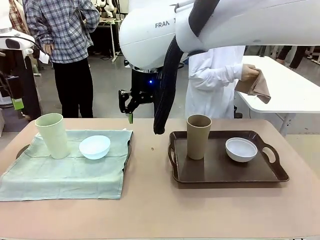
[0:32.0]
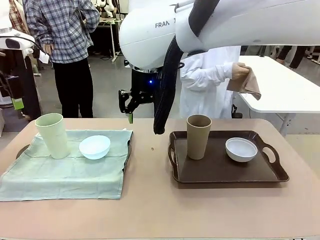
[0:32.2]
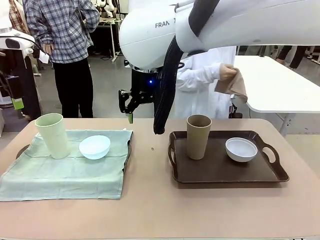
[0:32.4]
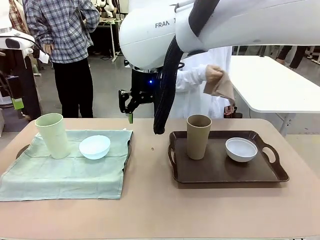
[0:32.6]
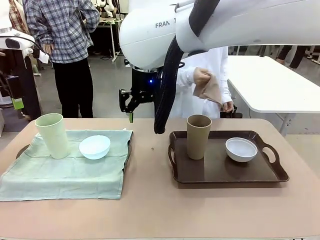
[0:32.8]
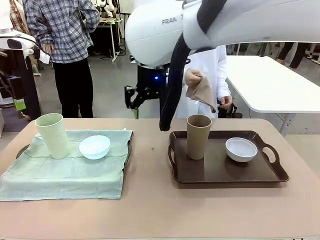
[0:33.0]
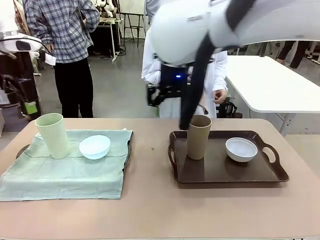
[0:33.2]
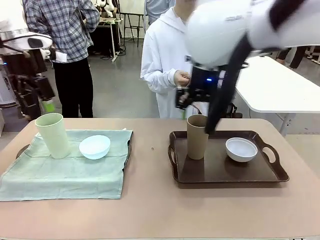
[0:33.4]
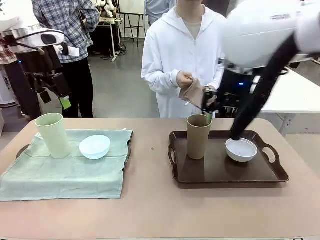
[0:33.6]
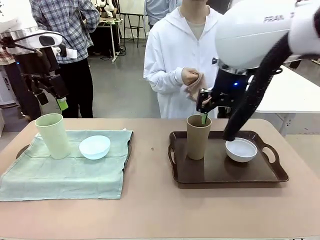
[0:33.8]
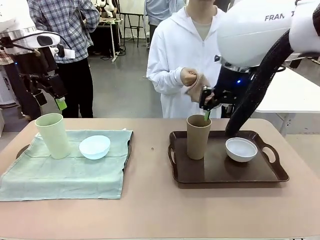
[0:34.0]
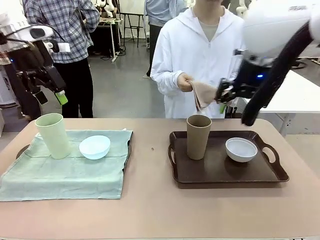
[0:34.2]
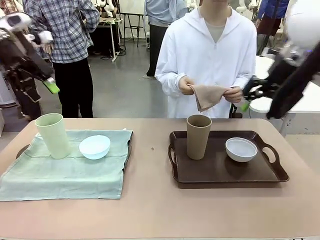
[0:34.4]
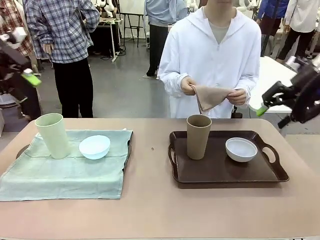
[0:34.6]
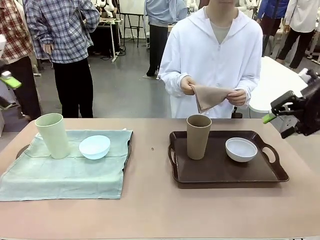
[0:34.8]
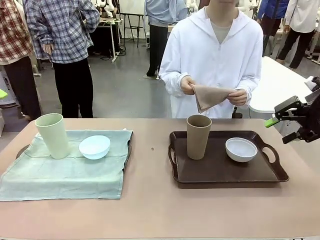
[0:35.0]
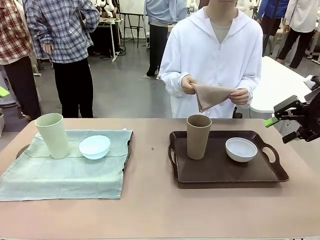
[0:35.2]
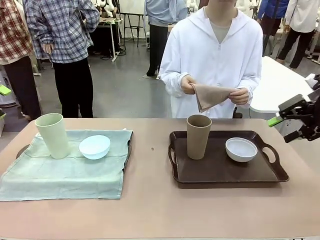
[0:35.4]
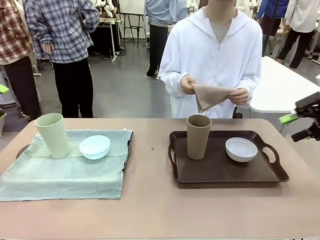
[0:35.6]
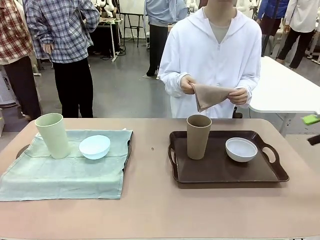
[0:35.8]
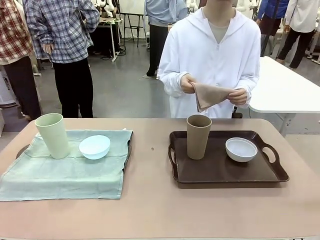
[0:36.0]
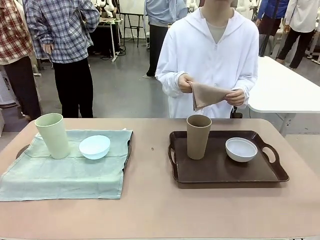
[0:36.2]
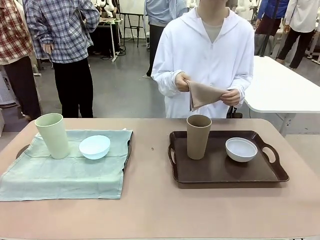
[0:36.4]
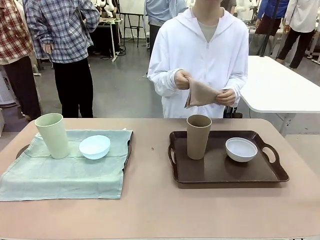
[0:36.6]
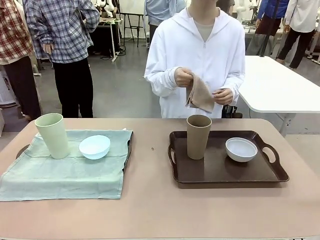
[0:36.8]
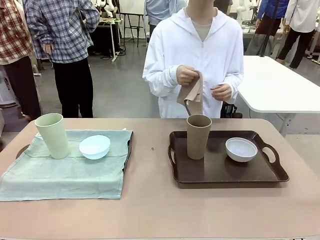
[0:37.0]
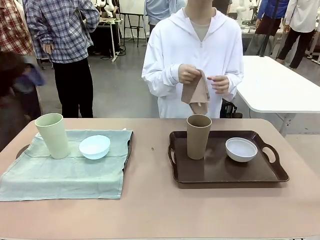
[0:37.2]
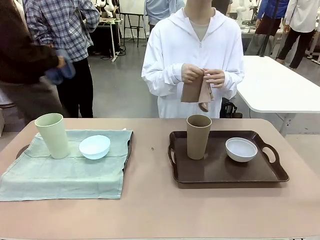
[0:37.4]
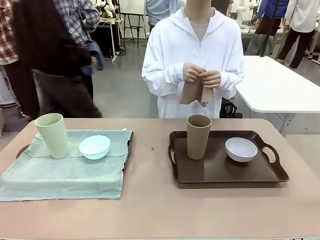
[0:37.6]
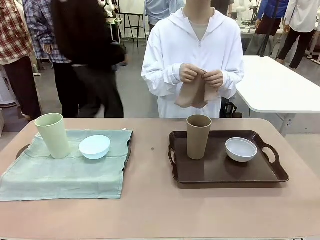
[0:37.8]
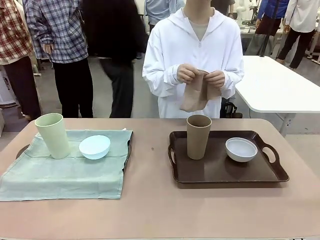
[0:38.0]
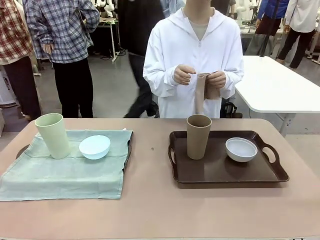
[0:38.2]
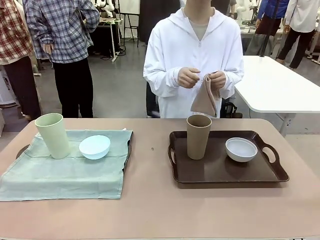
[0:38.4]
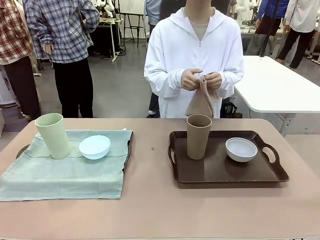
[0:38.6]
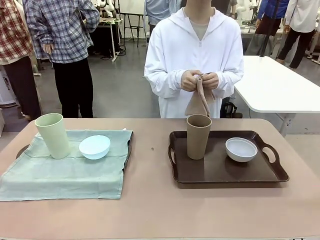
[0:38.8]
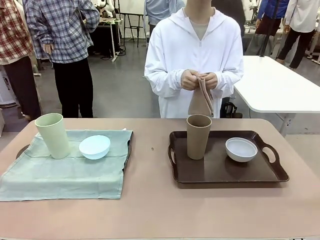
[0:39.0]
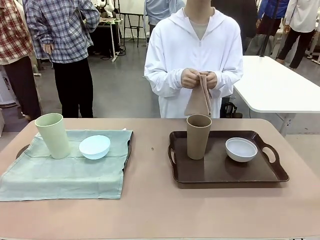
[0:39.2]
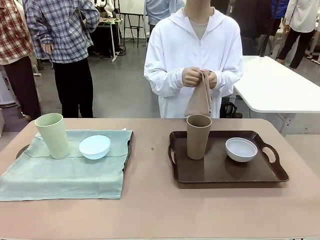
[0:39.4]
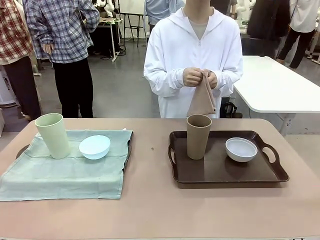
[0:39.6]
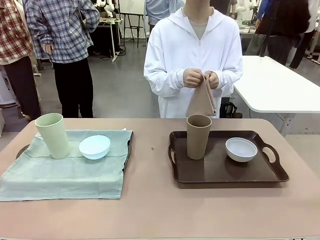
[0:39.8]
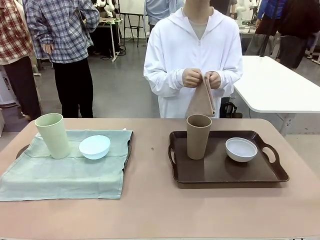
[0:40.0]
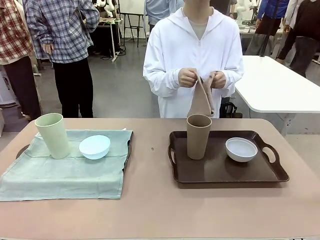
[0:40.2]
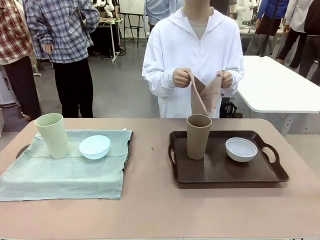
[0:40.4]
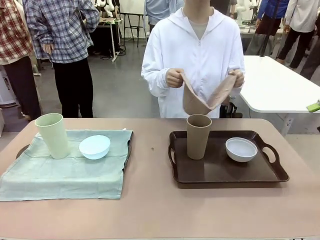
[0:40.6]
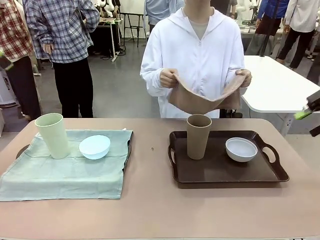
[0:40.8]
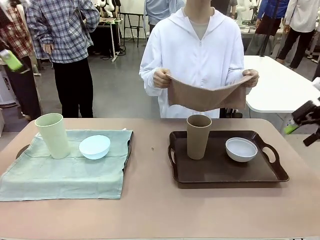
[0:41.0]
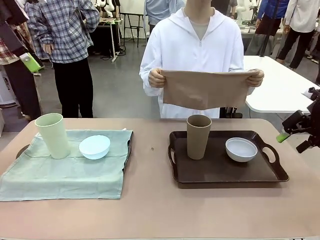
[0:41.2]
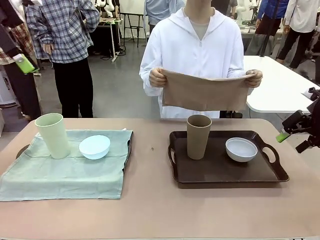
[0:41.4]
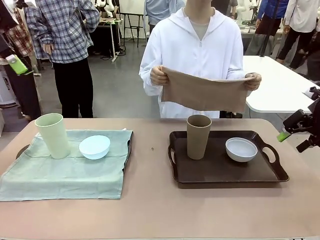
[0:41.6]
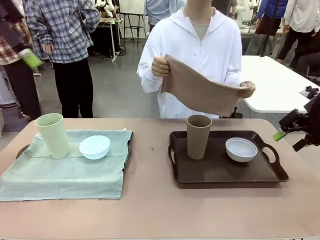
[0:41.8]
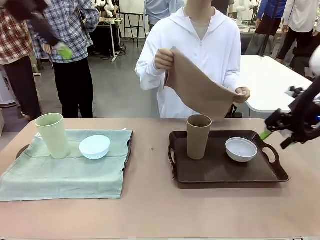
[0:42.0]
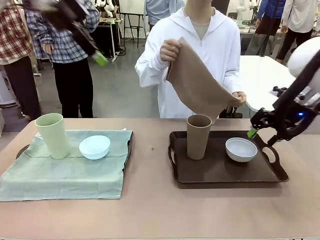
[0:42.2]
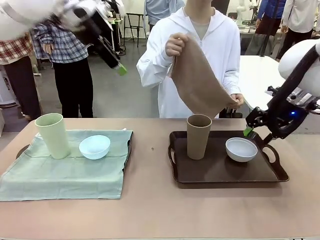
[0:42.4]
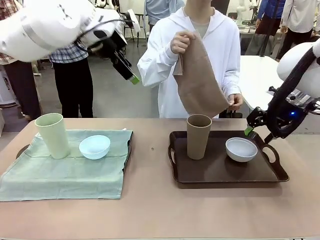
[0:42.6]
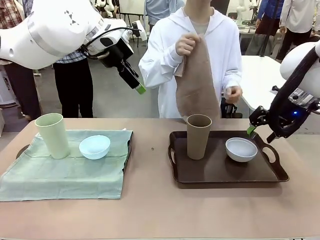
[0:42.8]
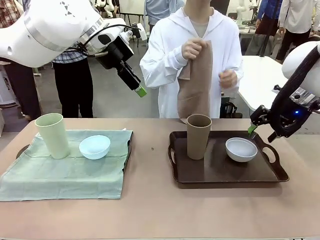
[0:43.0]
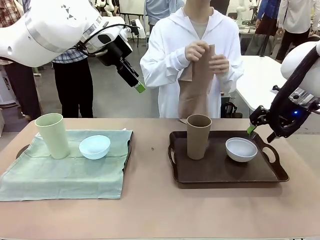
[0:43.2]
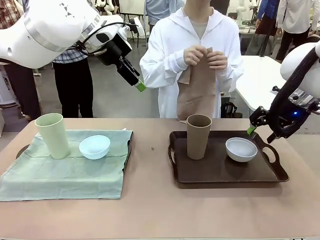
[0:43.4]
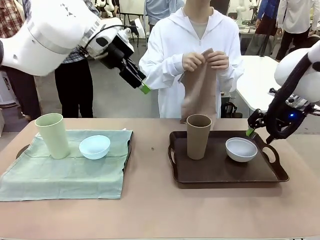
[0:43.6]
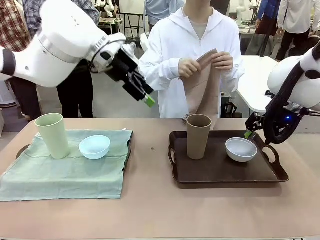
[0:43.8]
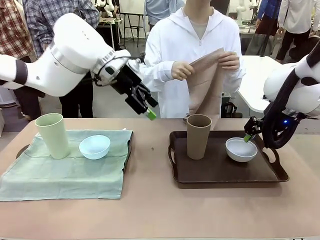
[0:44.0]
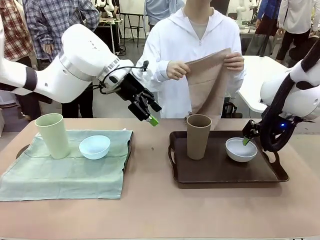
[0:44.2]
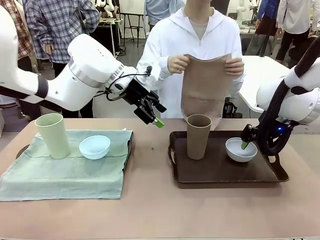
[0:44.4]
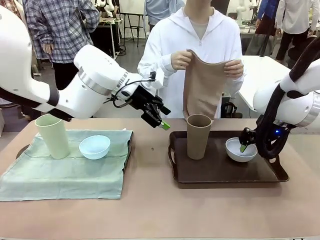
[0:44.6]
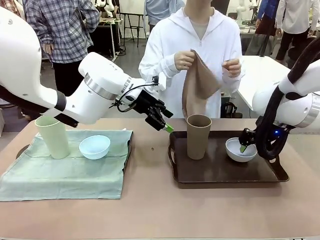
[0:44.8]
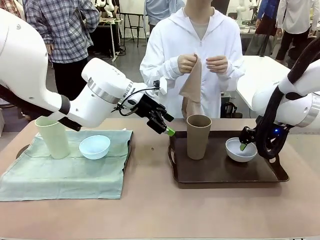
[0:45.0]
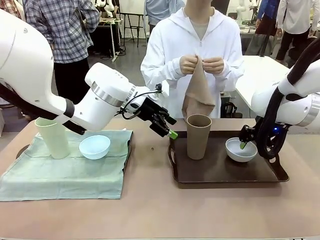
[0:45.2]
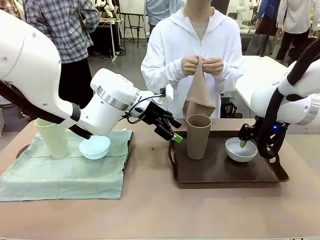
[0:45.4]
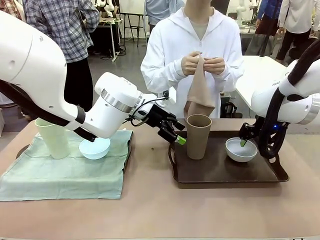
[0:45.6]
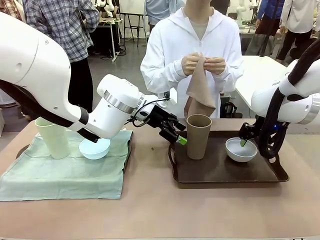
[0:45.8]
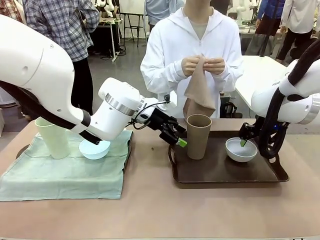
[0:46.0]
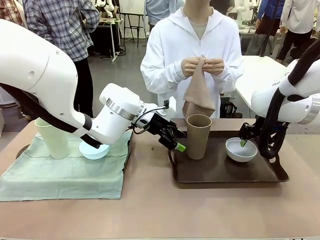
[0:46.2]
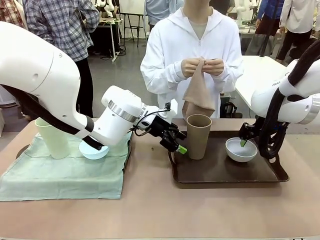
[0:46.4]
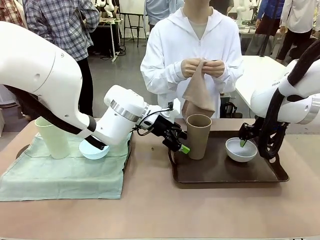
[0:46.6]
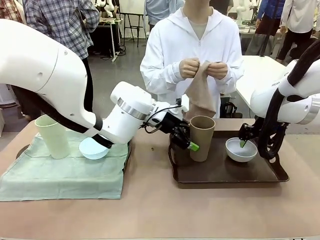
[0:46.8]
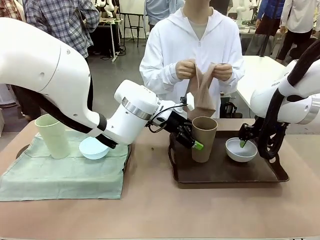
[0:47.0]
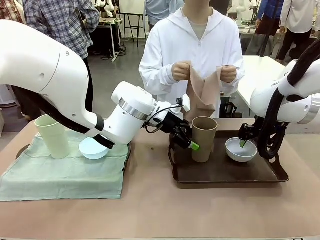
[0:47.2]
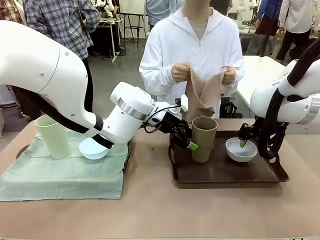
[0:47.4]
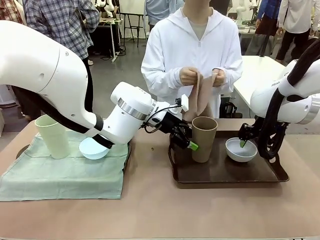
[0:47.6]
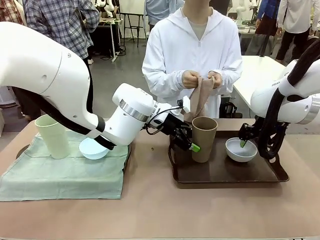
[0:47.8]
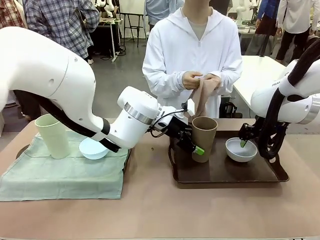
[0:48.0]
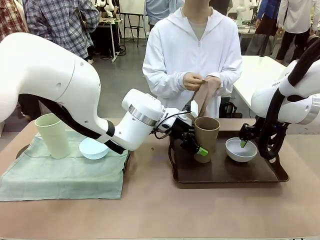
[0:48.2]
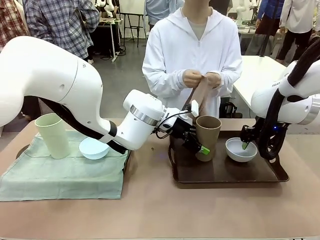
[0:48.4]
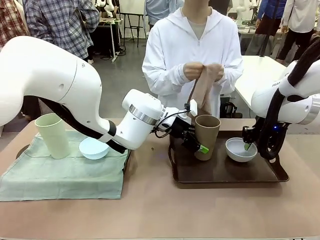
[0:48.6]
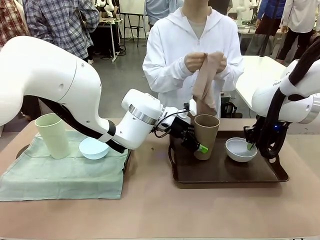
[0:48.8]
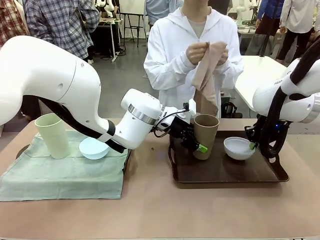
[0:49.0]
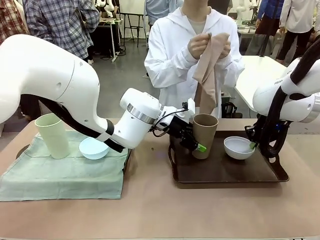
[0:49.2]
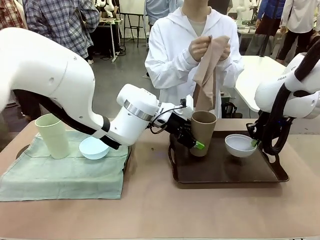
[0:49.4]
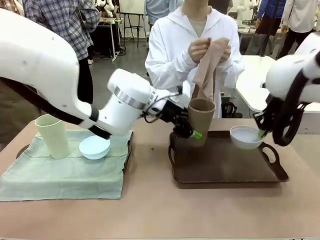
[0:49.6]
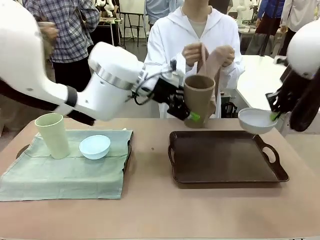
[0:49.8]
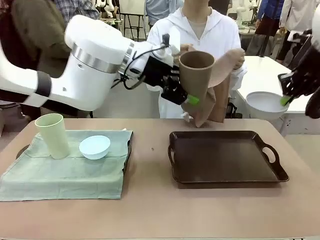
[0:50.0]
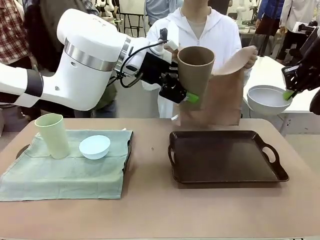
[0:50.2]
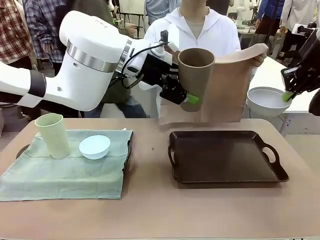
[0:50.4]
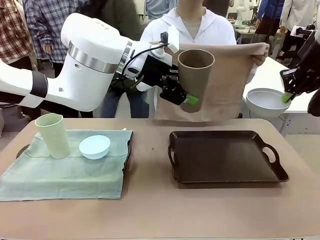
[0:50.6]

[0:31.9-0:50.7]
Robot: Pick up the Picnic Bowl and Reusable plastic cup from the Handle tray in front of the human's position and hold them in the air.
Person: When the robot lifts the bowl and the cup, the human unfolds the napkin and lays the napkin flat on the tray.
